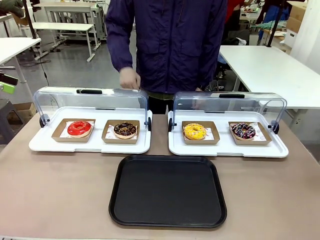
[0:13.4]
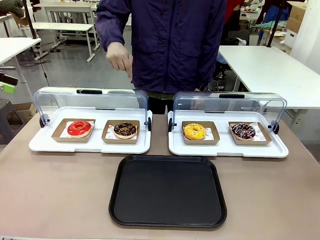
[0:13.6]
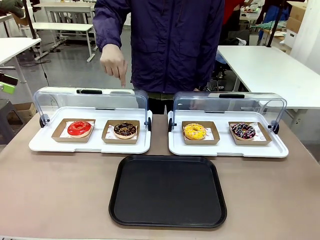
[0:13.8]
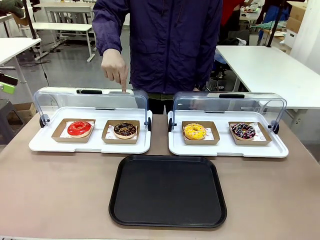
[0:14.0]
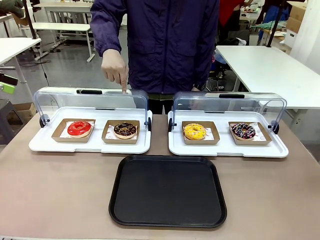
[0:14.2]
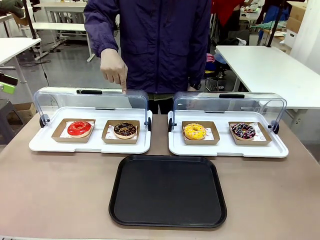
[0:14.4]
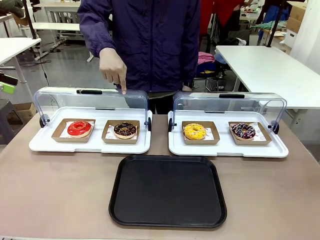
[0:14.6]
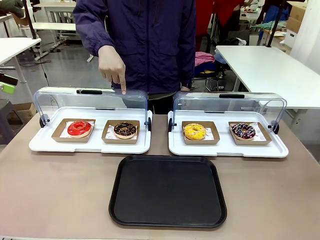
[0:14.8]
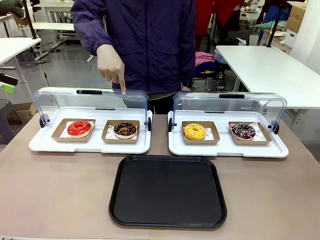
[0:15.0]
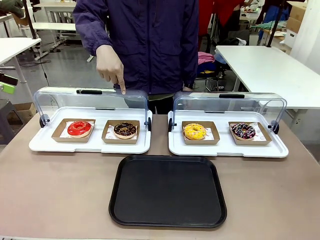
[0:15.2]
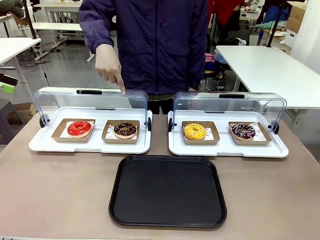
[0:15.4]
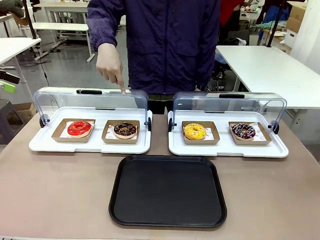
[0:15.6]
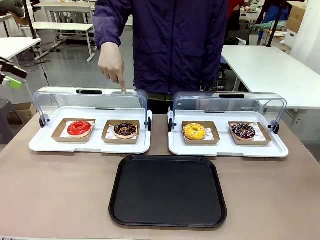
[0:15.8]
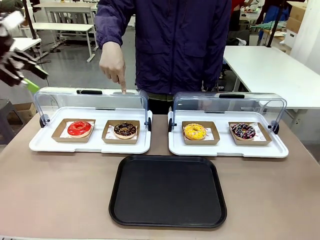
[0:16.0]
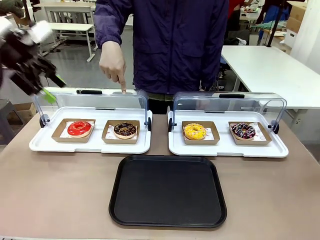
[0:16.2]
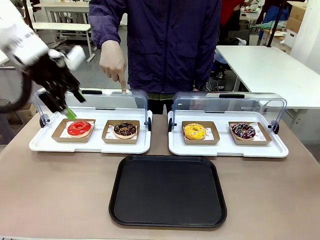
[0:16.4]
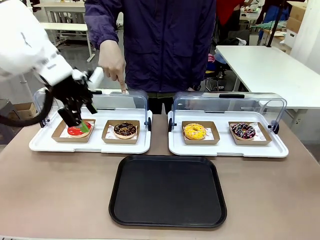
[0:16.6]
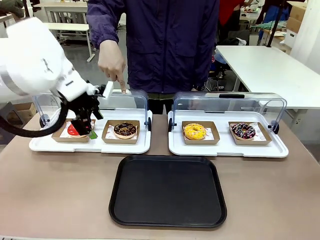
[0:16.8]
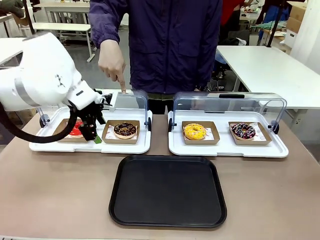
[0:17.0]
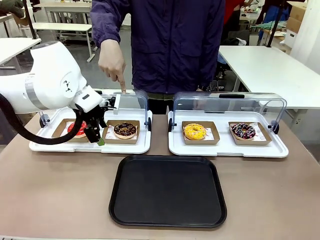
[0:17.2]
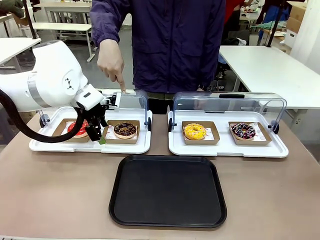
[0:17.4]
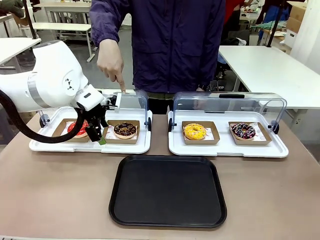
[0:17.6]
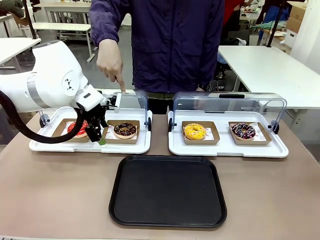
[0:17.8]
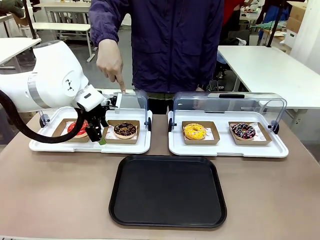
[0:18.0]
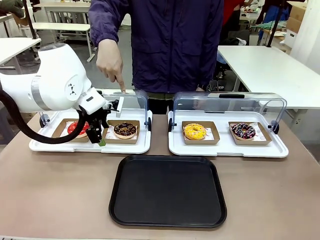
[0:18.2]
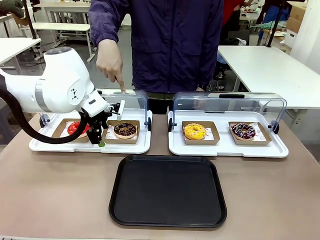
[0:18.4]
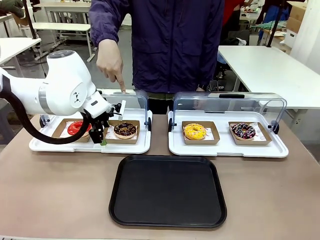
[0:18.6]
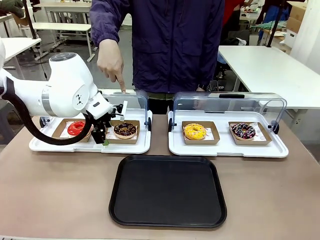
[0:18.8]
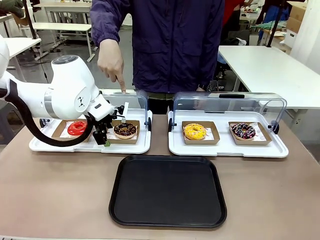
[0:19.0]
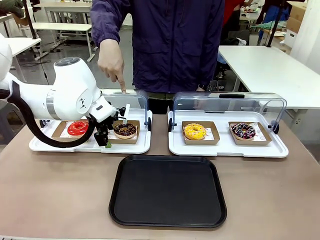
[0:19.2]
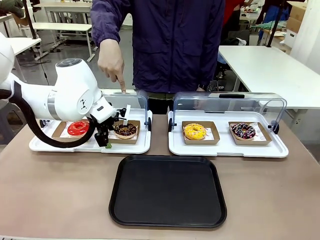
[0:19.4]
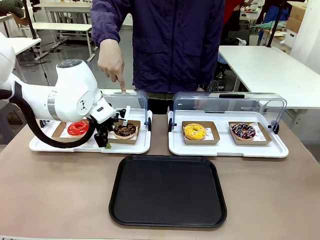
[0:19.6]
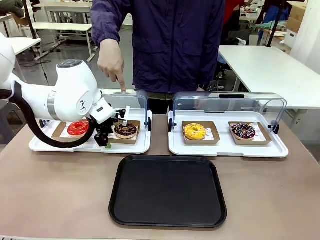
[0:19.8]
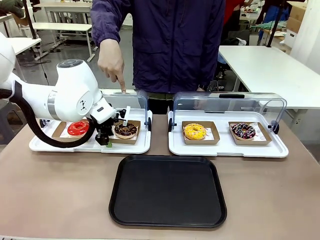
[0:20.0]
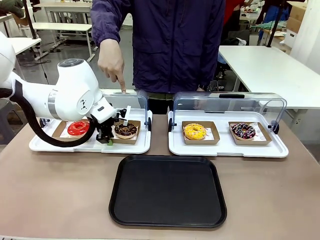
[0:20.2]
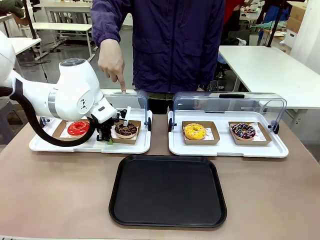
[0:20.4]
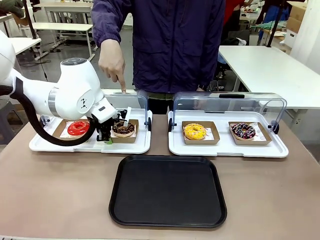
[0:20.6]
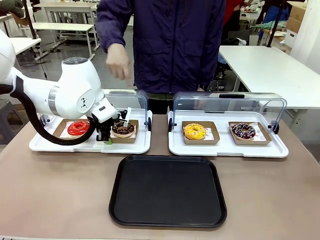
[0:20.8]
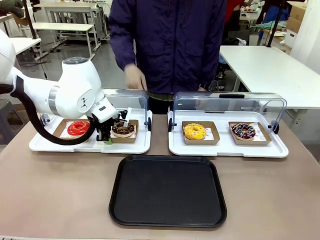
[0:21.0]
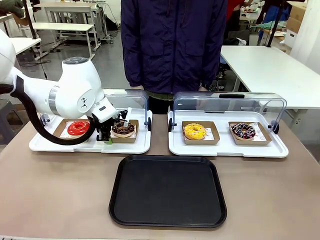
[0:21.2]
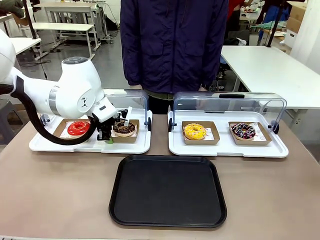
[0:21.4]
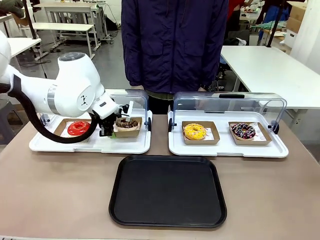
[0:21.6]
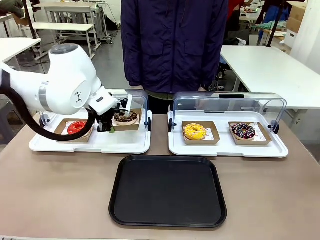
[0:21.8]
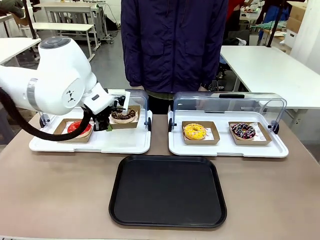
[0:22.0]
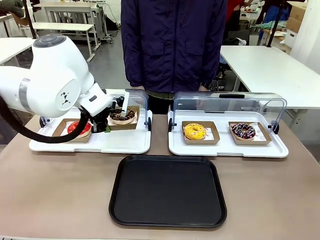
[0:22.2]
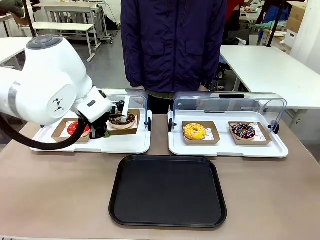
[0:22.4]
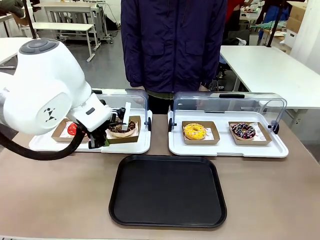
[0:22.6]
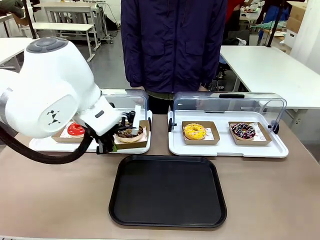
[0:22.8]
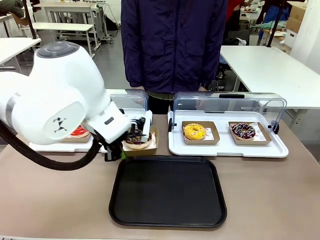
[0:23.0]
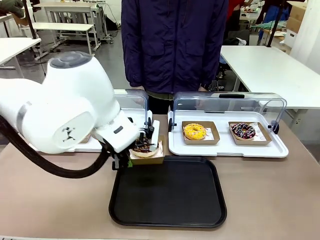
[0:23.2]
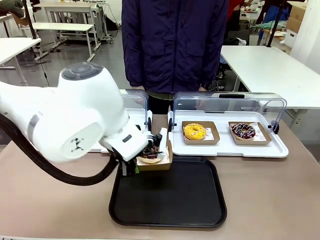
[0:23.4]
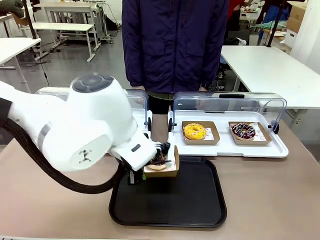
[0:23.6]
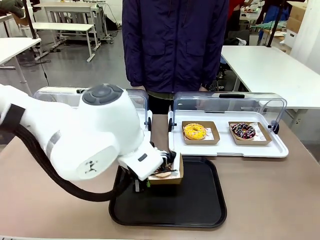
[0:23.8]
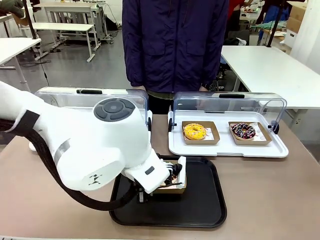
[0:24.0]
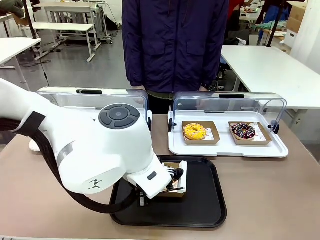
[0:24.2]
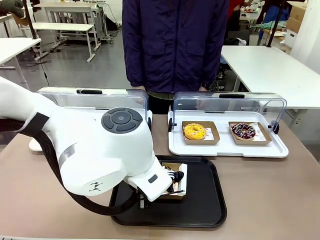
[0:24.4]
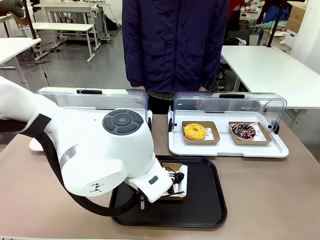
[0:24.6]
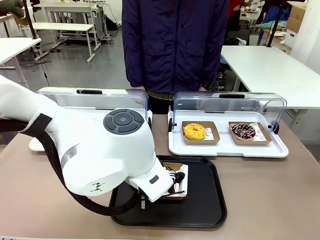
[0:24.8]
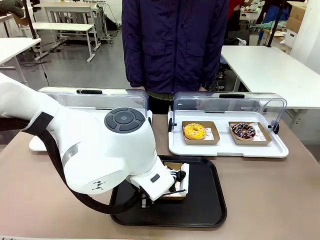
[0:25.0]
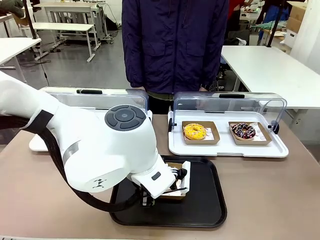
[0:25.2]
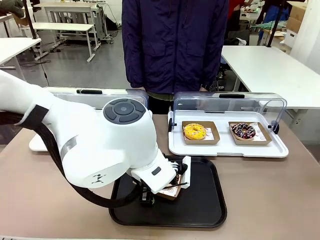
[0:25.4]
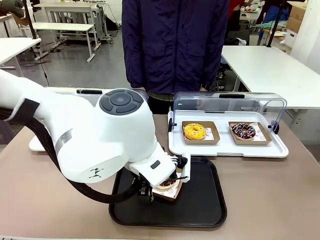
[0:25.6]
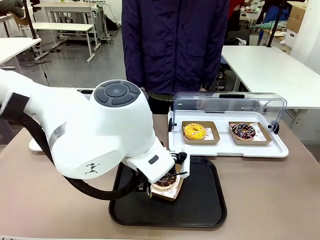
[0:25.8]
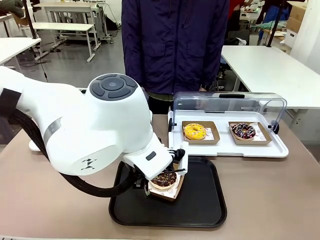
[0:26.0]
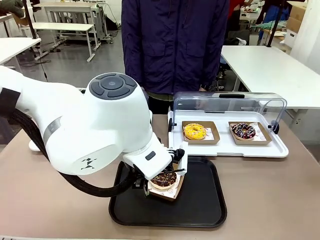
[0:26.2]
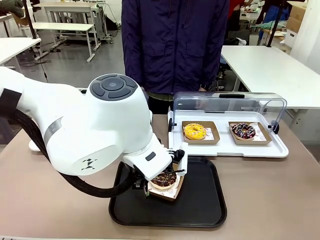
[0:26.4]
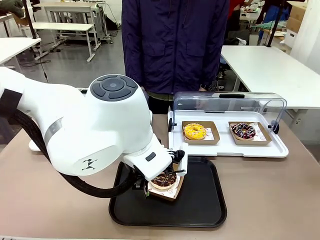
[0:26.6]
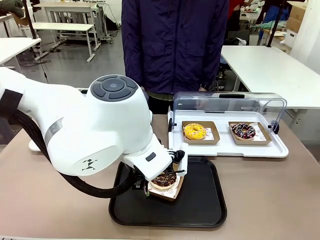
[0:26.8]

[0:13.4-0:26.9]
Task: Move the second donut from the left to the tray.
Robot: Pick up the Paper togo box containing the Donut indicated by the person and place it on the Handle tray.
Person: Points to the second donut from the left from the robot’s perspective.

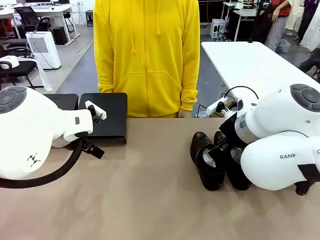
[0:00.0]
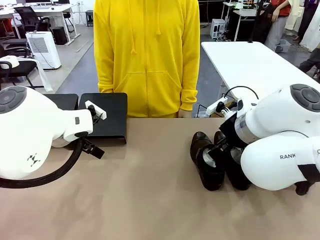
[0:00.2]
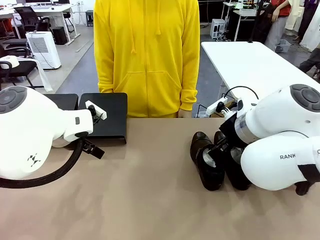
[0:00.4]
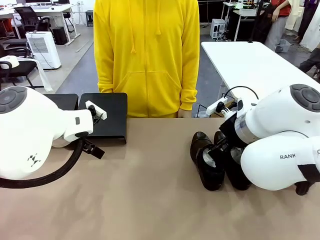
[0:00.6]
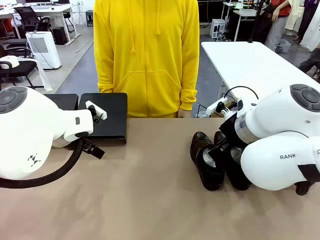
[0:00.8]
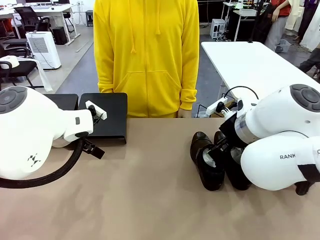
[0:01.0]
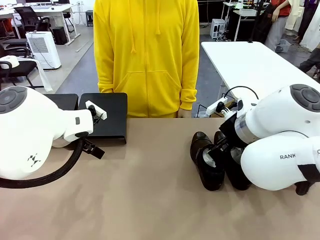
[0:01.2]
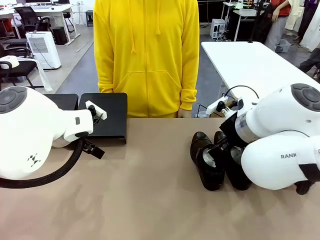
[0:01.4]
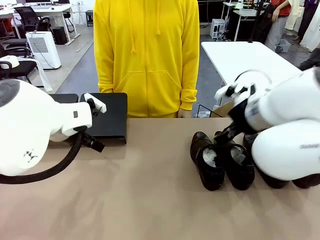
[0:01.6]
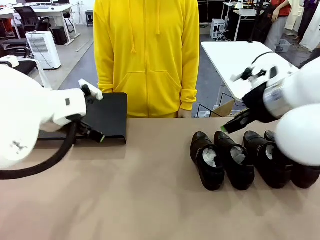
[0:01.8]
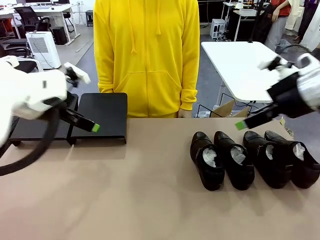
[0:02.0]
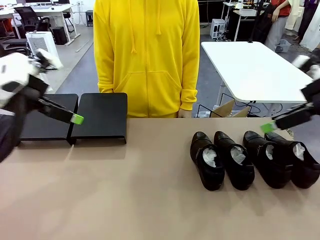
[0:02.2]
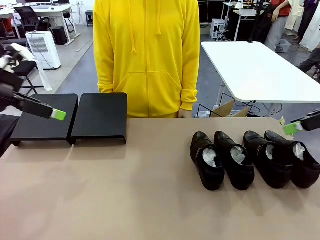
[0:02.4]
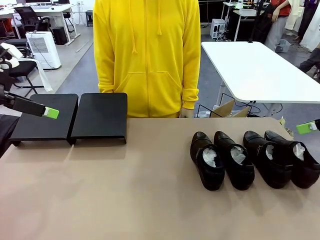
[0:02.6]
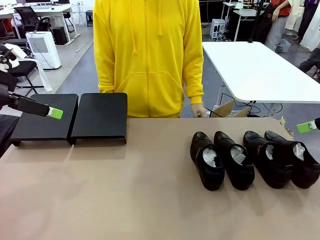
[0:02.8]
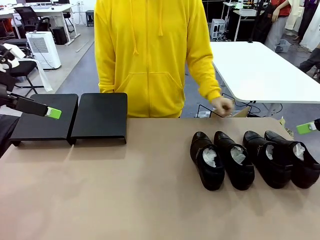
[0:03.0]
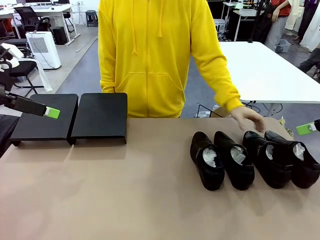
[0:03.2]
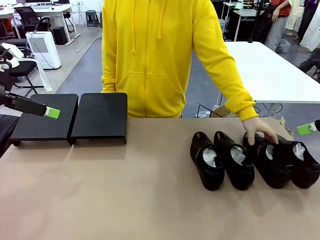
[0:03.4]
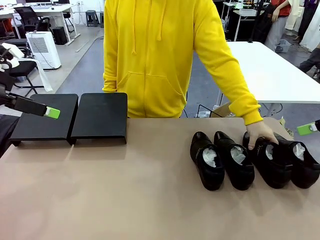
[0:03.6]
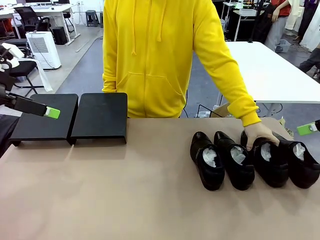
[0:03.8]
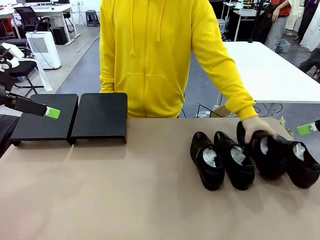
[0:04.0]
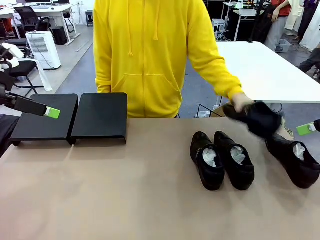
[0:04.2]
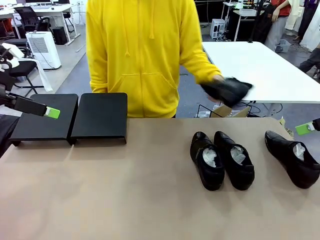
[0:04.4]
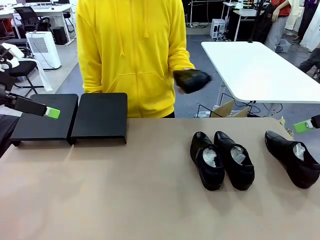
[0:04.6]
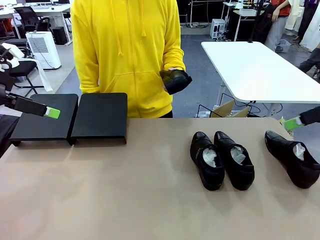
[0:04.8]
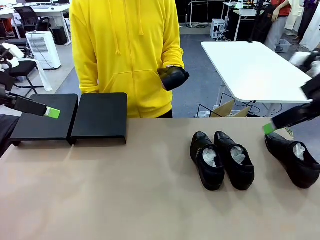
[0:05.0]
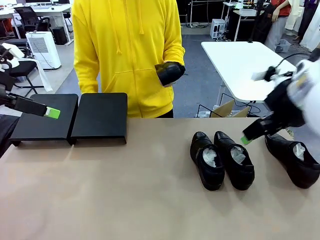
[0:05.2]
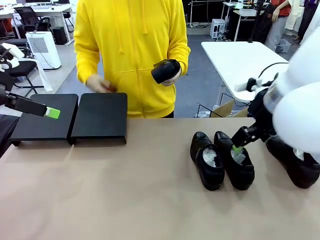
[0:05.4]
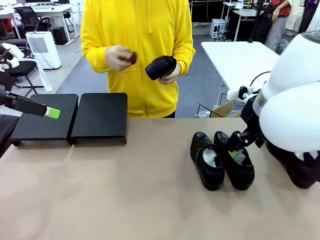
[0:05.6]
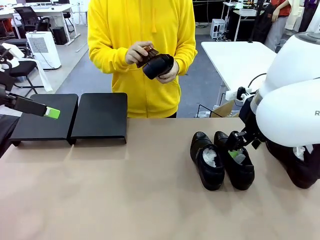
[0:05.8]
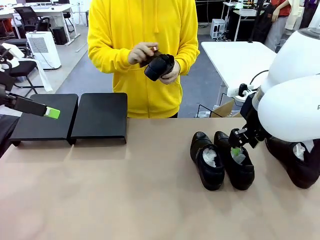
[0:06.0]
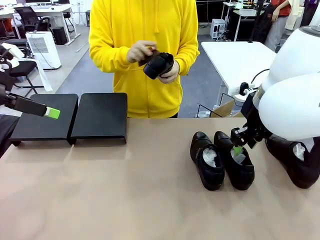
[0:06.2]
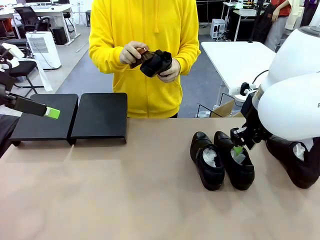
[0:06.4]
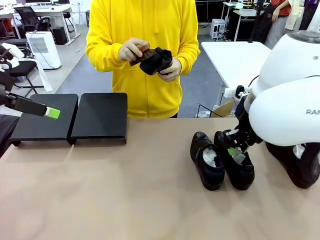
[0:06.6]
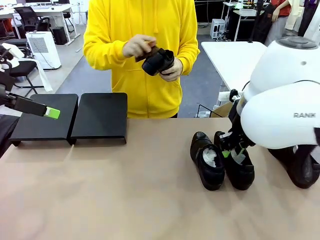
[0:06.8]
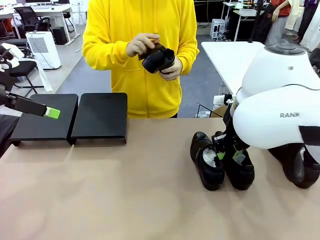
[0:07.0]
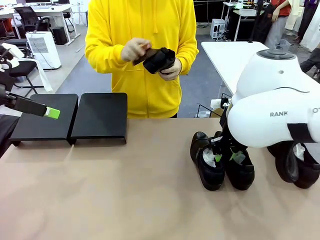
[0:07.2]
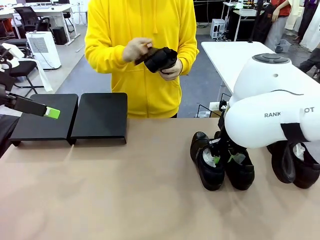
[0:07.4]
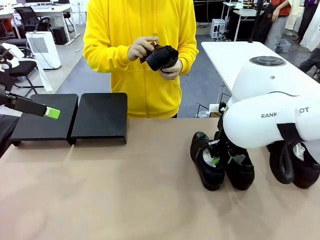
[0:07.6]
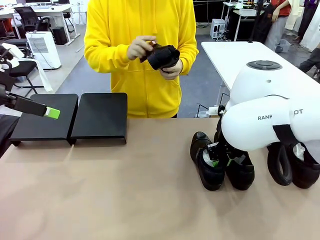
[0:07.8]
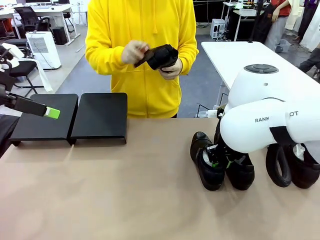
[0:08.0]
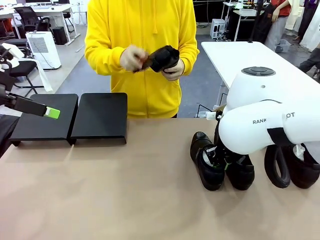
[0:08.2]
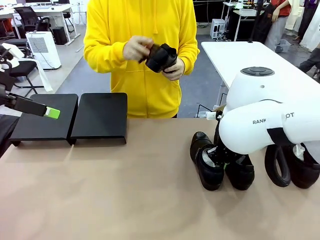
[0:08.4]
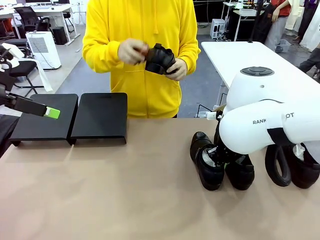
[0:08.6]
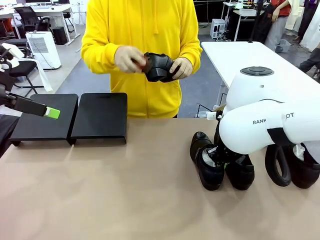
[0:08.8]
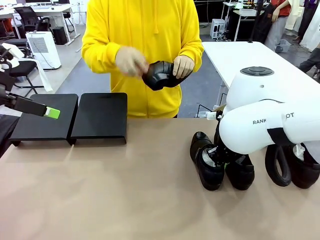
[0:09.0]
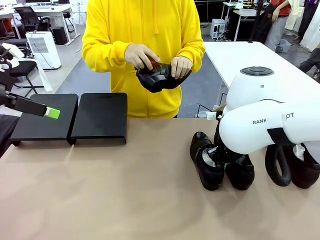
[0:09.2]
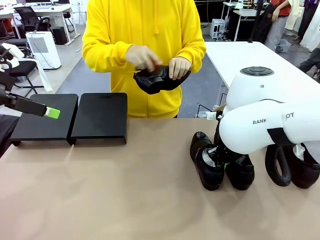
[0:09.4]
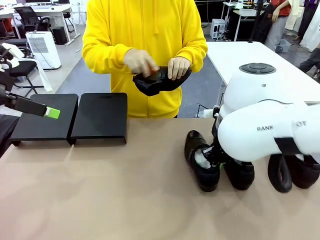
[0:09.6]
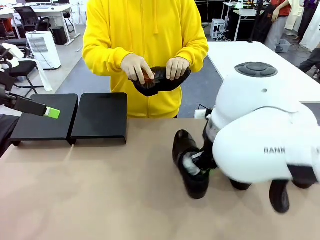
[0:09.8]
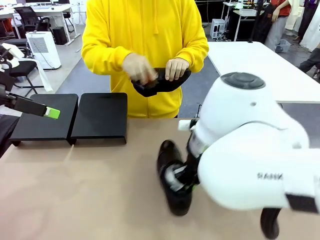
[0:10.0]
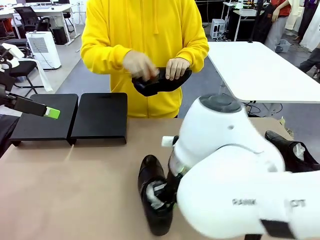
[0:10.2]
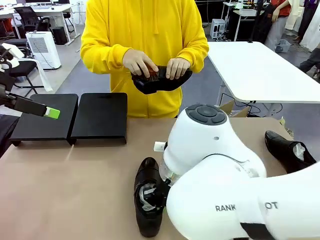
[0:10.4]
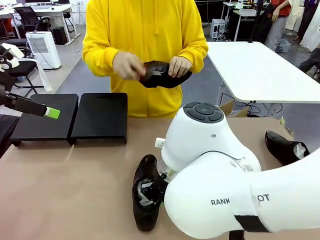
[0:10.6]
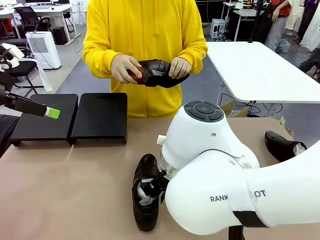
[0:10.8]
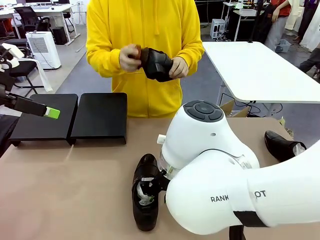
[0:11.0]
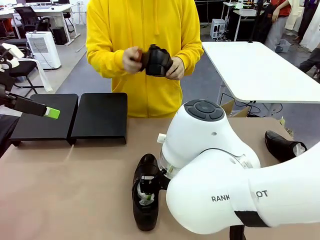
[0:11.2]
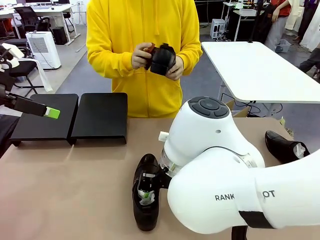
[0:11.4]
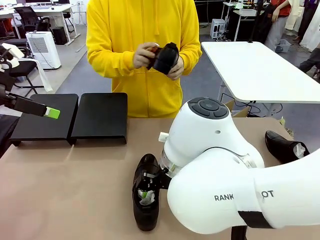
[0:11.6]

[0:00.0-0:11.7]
Task: Organize the shoes by placing them on the stand.
Robot: Pick up one Shoe and place it in the middle of the table.
Person: Pick one Shoe on Robot's table.
